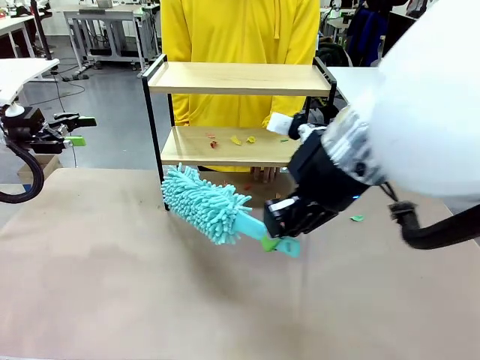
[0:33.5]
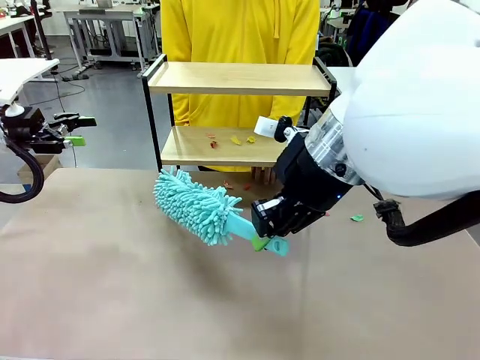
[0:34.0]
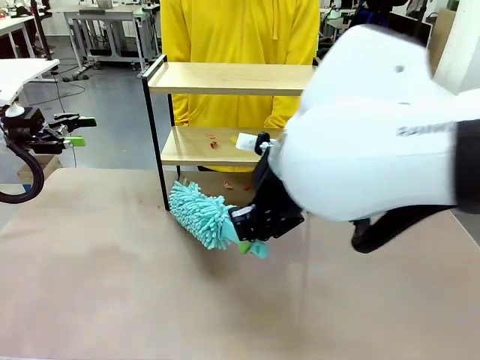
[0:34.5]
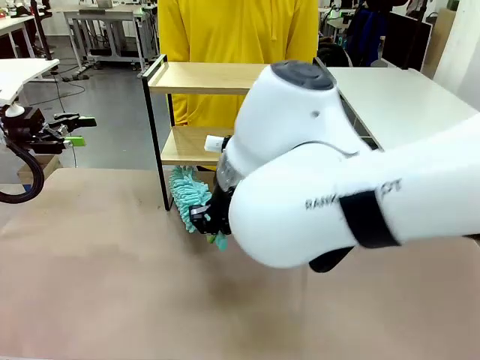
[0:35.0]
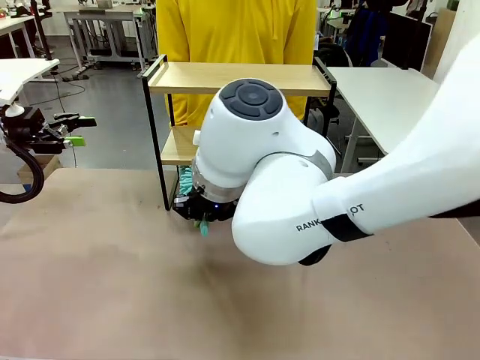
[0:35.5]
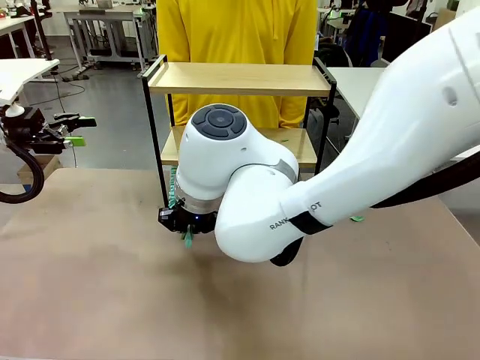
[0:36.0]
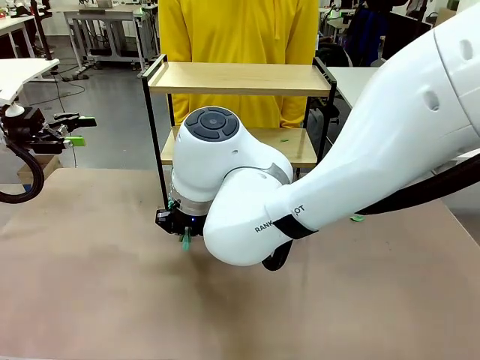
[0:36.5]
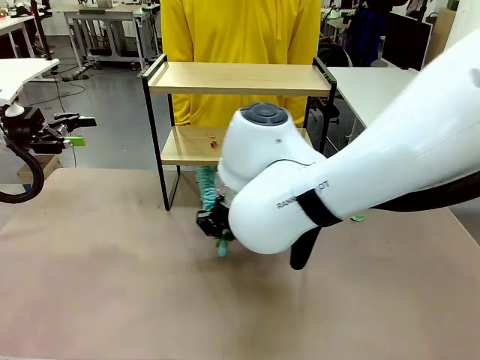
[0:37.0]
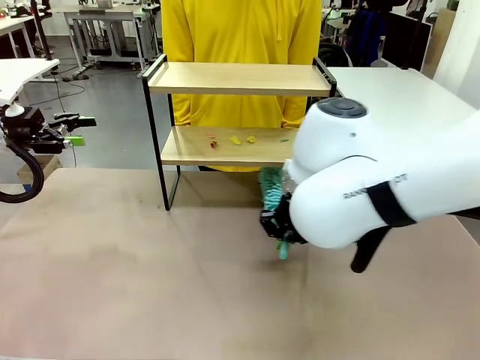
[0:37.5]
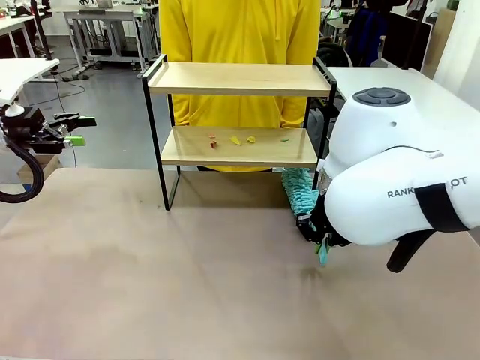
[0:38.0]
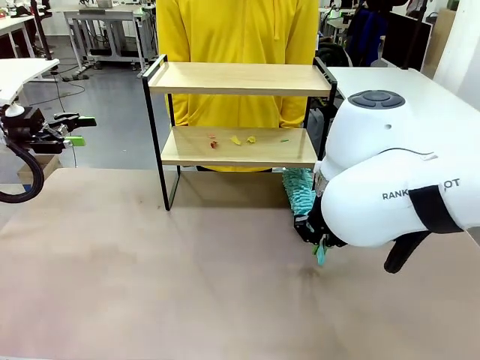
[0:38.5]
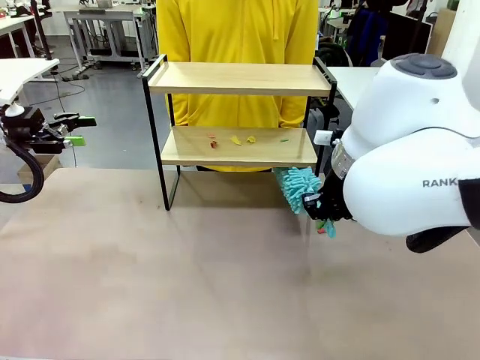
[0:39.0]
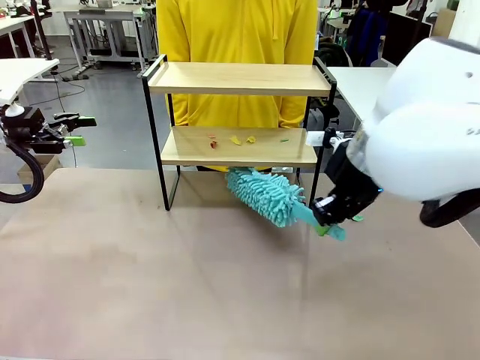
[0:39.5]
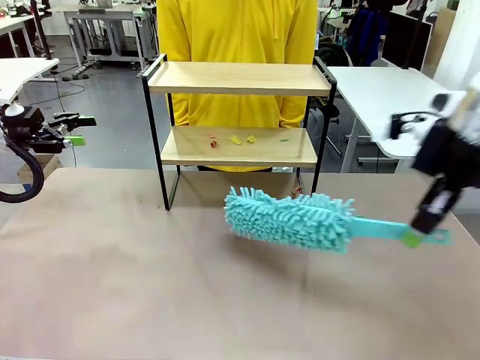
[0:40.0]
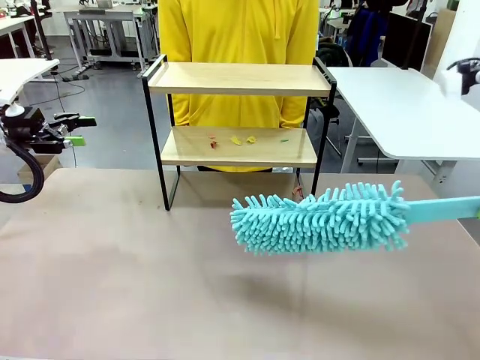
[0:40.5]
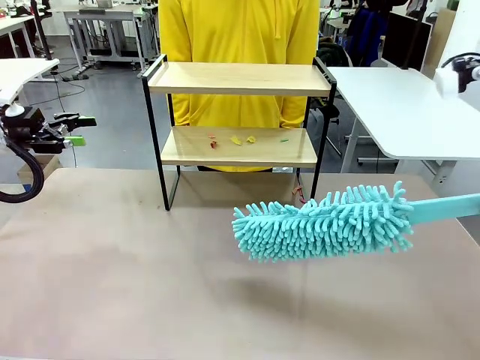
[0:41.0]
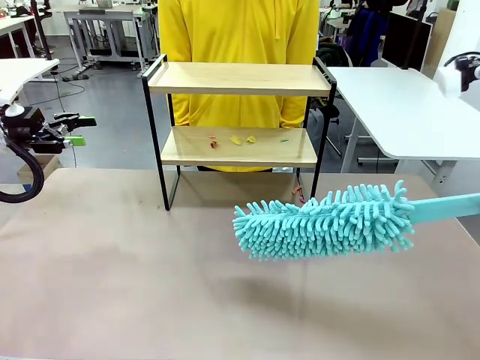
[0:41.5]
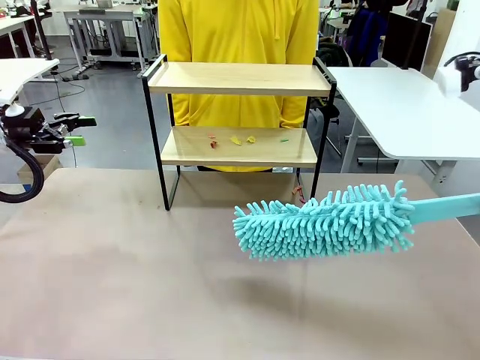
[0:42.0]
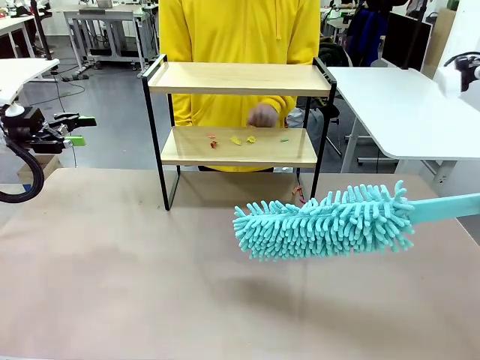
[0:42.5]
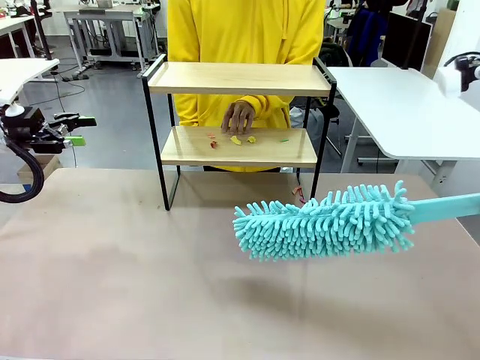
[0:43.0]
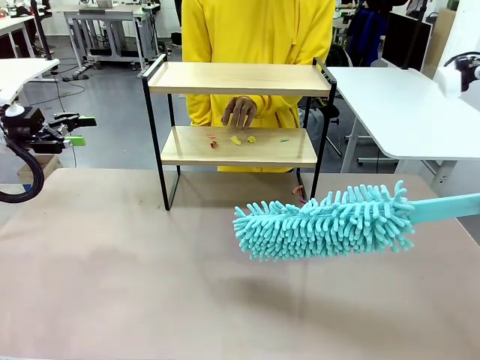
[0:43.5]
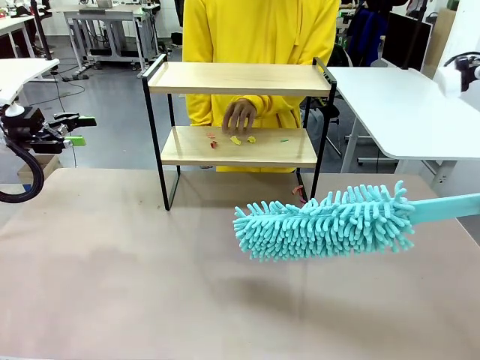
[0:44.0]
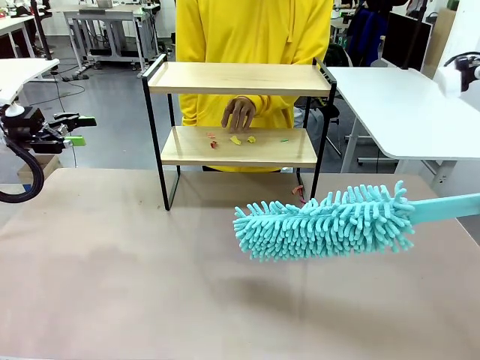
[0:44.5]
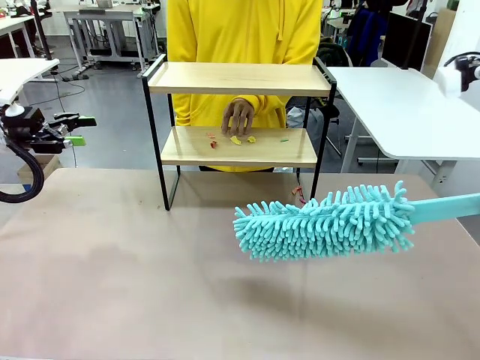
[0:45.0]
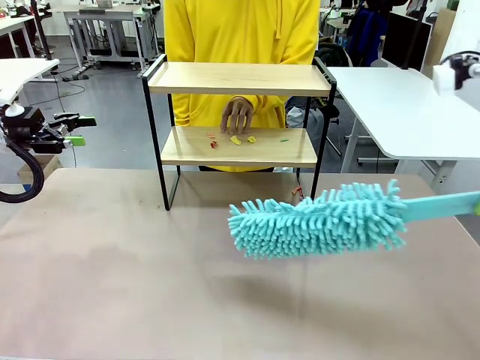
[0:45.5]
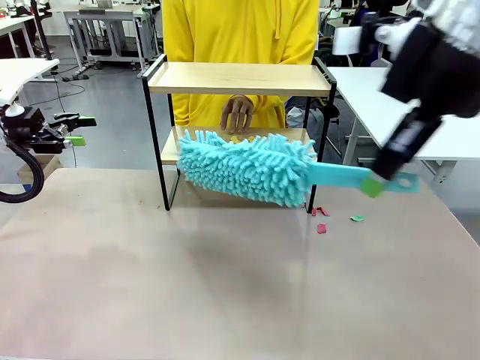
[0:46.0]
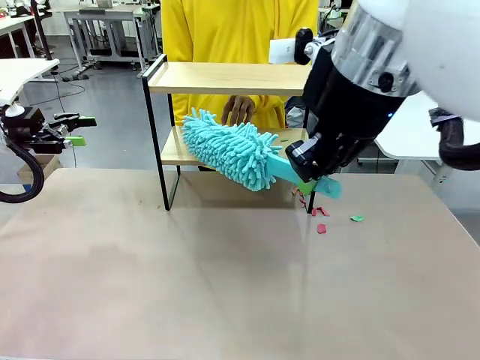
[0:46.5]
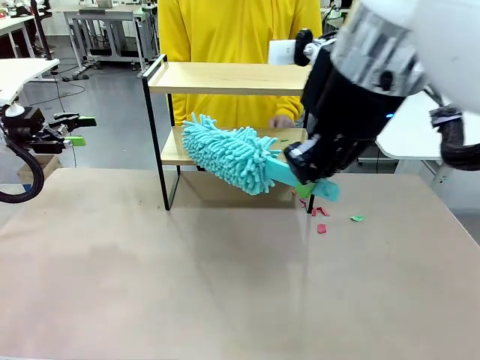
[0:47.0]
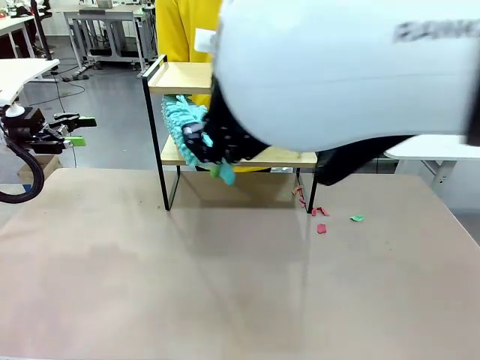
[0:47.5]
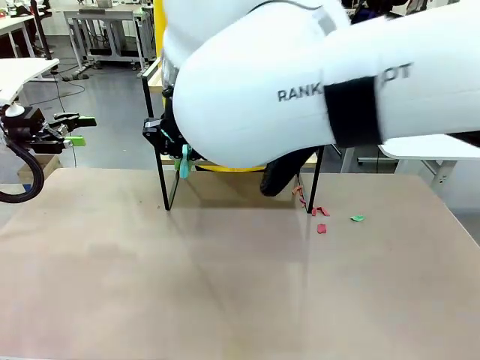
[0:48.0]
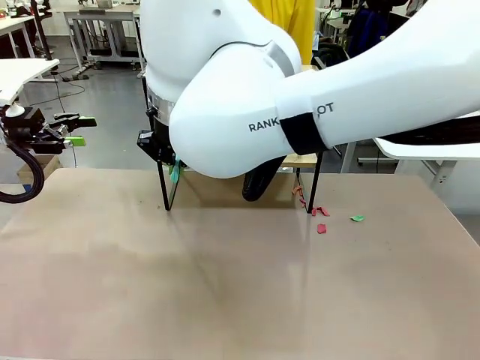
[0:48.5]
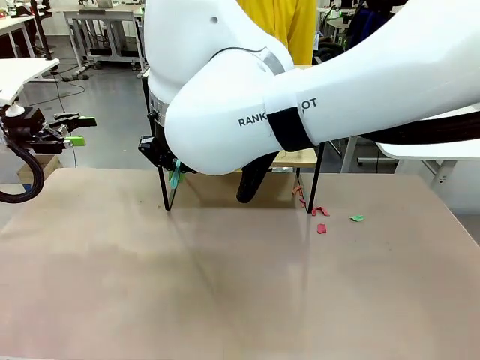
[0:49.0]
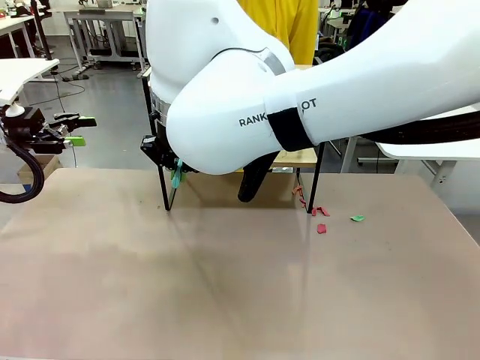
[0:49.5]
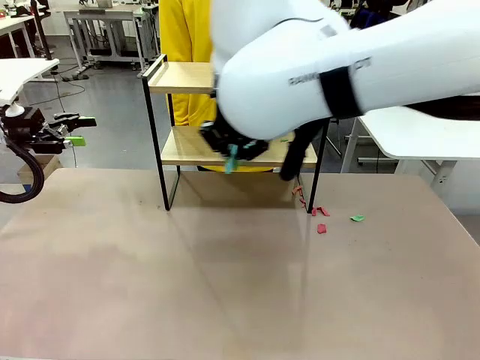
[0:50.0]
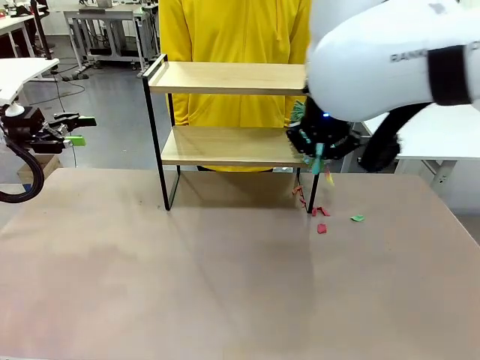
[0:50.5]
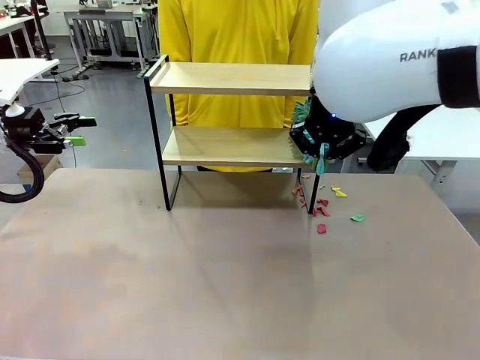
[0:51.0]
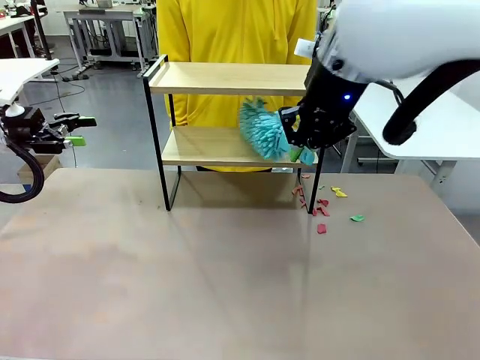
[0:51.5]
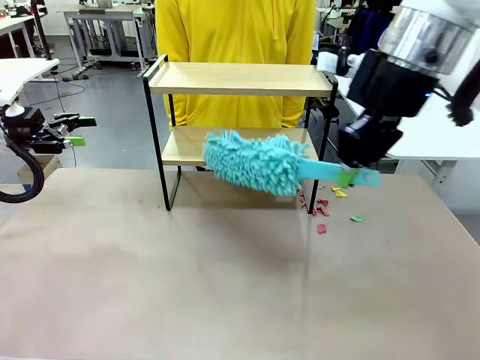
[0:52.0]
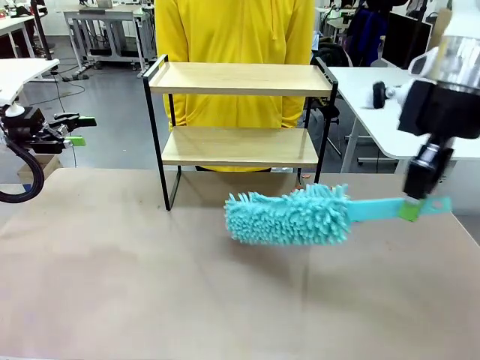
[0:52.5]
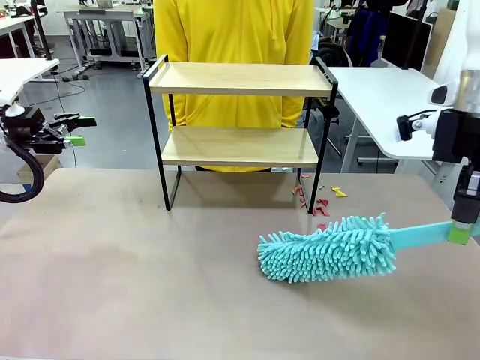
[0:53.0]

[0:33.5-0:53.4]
Task: Clean the shelf.
Robot: Clean the specific section of the Shelf indicated by the human with the Duster.
Person: Point a remaining section of the Shelf.

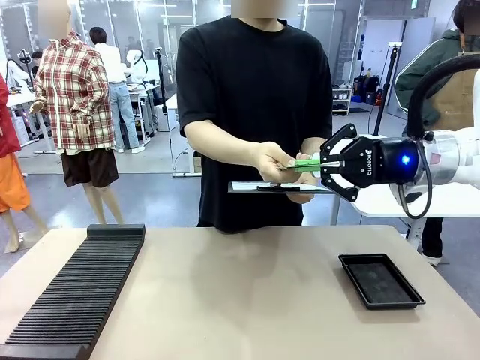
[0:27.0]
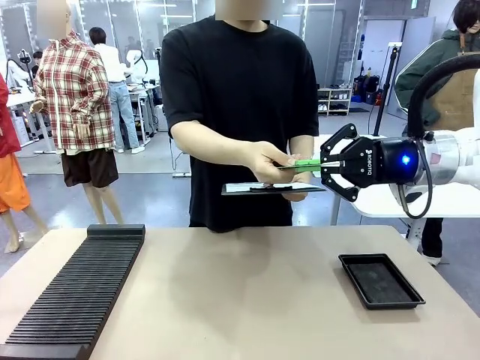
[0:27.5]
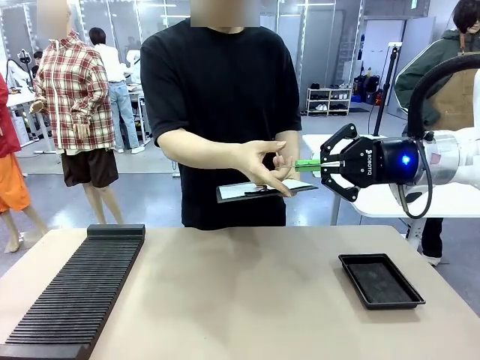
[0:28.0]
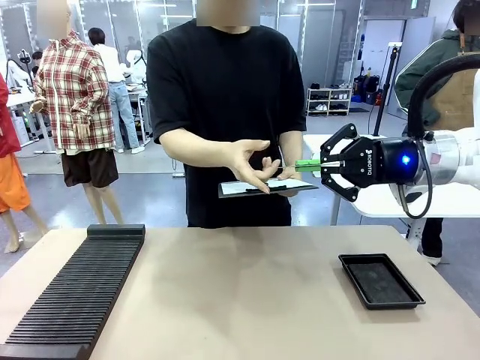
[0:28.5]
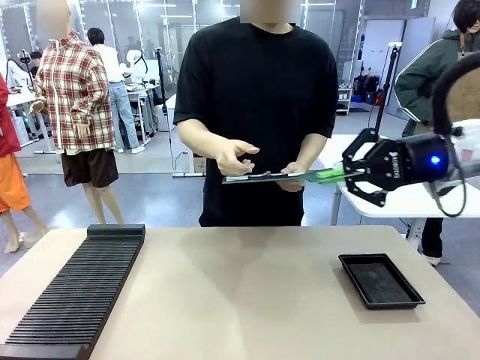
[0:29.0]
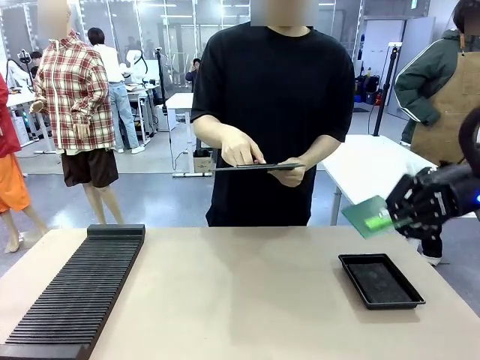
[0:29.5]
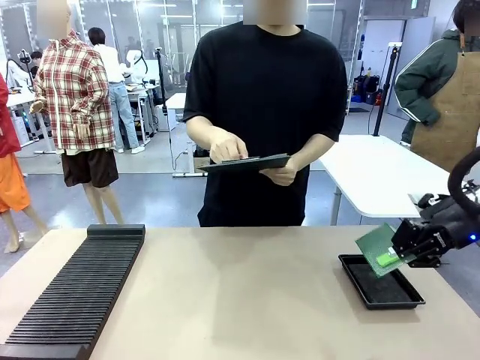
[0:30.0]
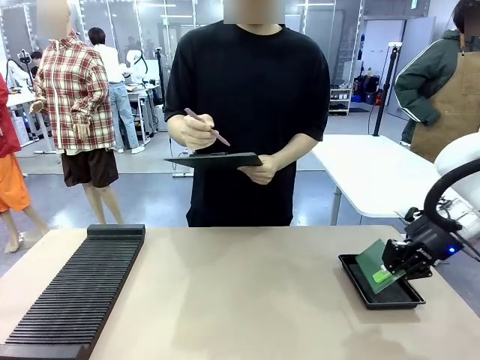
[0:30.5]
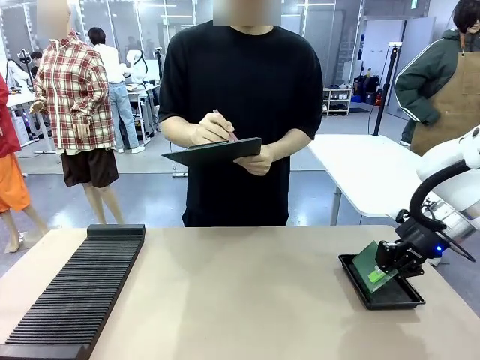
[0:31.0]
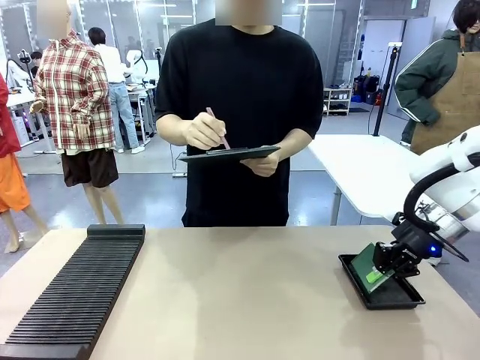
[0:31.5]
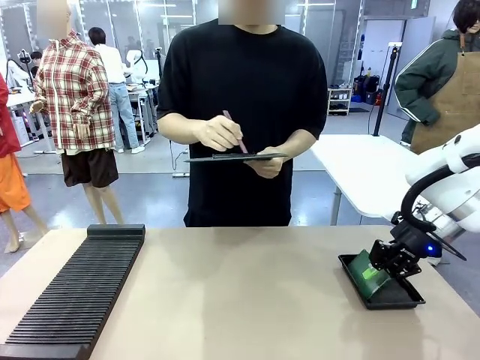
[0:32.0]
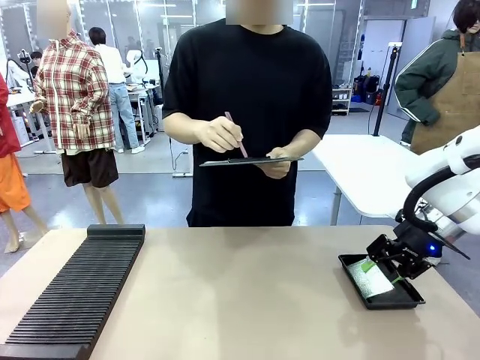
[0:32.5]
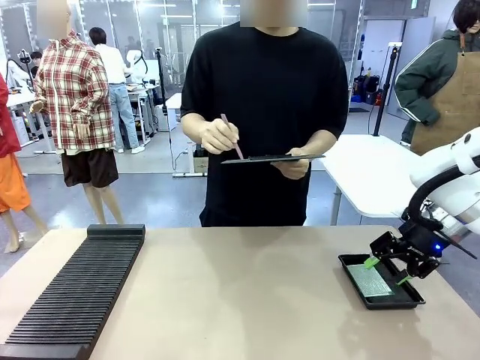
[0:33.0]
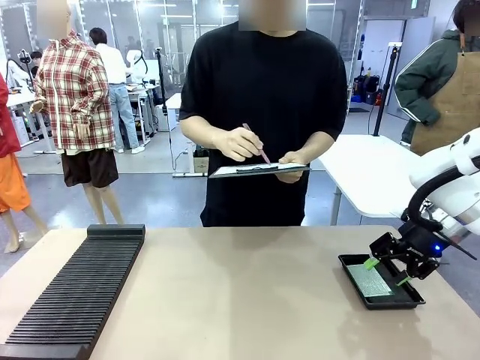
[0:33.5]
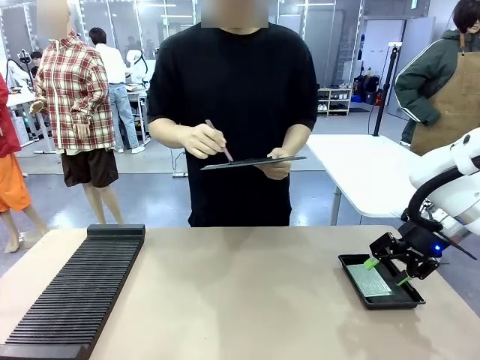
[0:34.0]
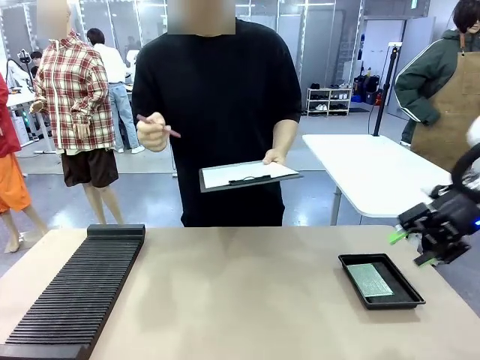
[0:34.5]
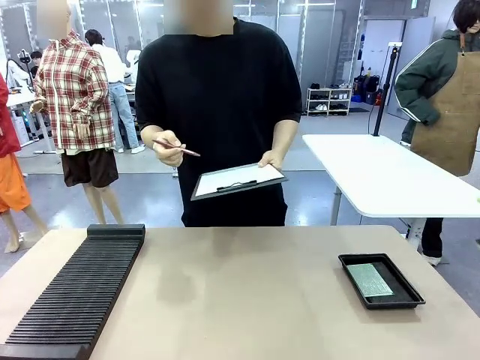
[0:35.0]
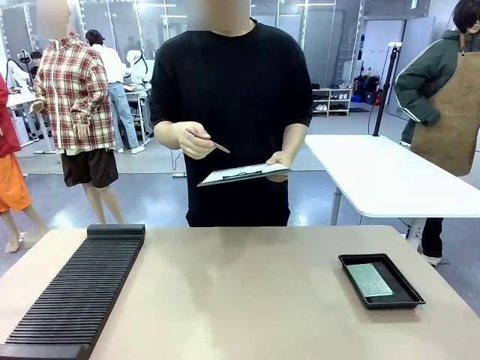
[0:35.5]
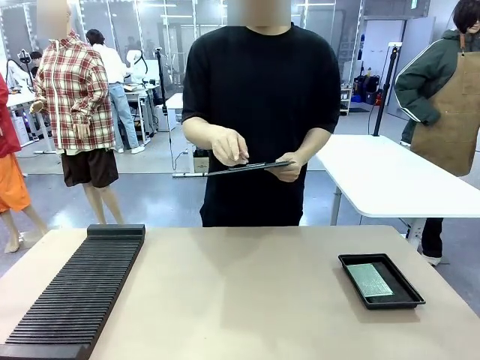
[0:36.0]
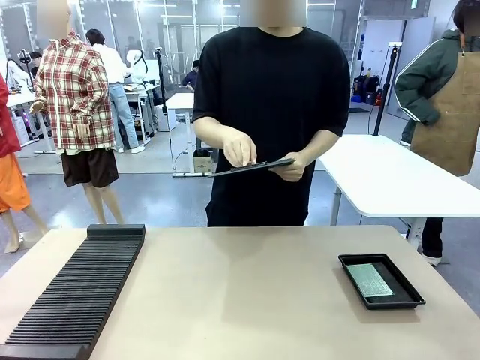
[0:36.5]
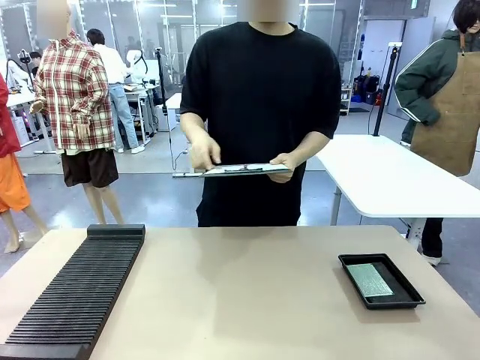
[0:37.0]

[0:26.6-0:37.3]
Task: Inspect the PCB.
Robot: Place the Blank PCB in the ESD tray.
Person: Record the PCB status on the paper.
